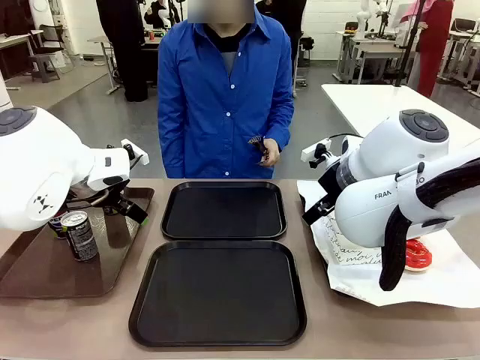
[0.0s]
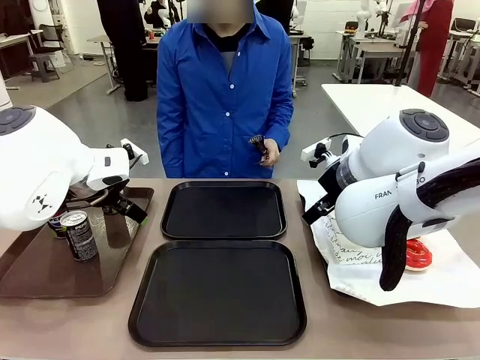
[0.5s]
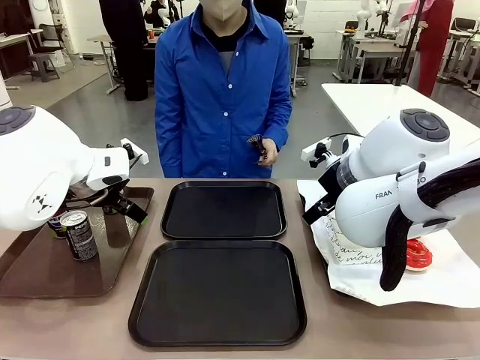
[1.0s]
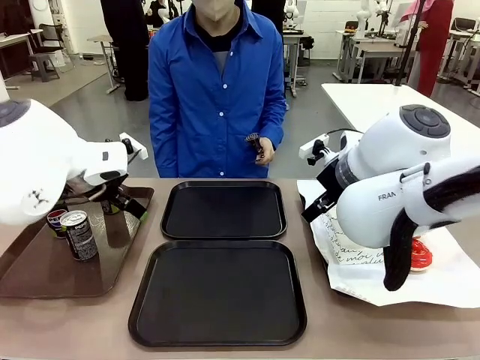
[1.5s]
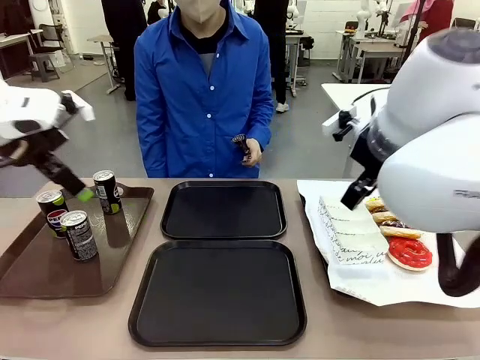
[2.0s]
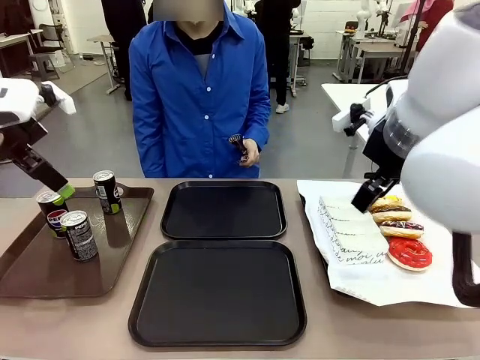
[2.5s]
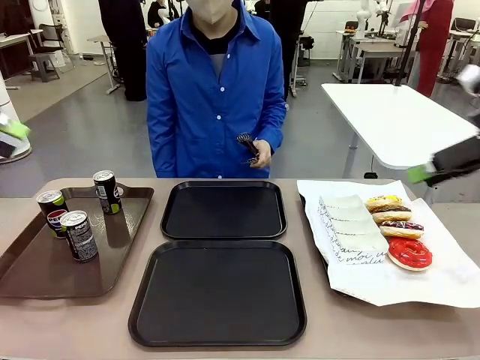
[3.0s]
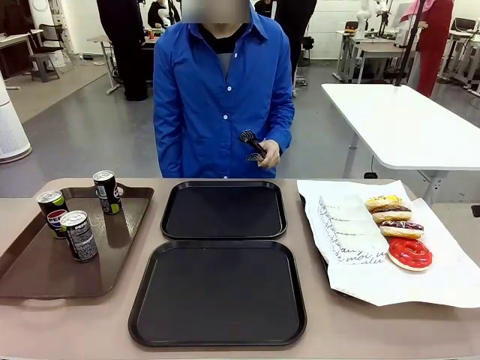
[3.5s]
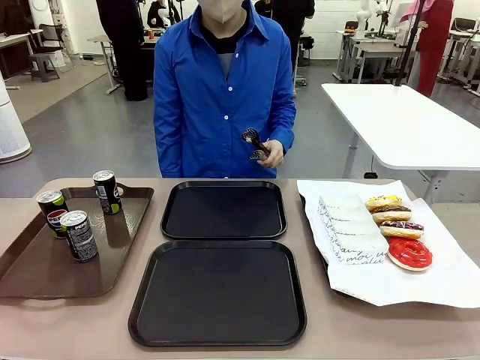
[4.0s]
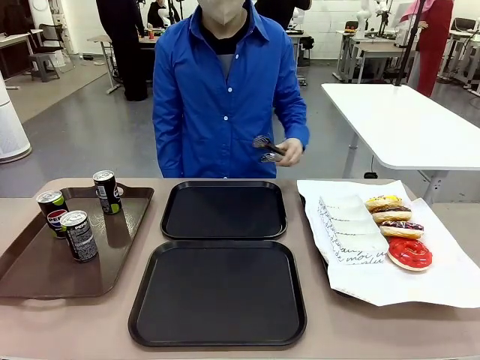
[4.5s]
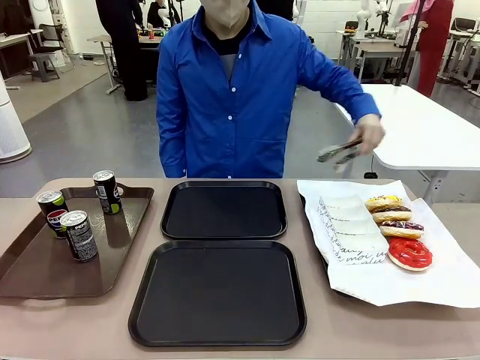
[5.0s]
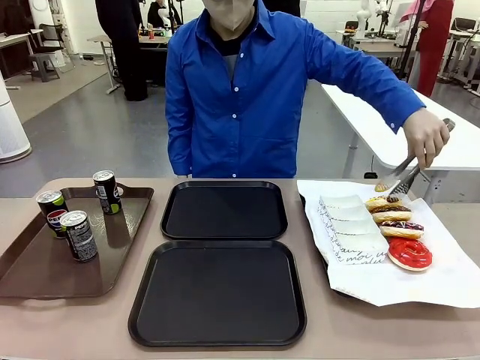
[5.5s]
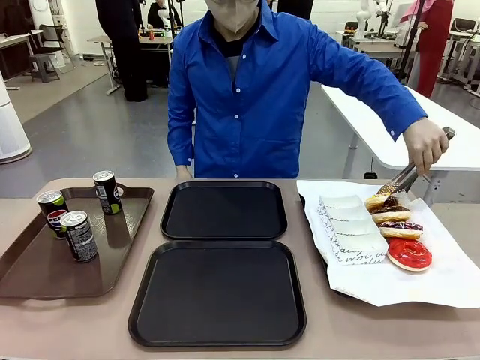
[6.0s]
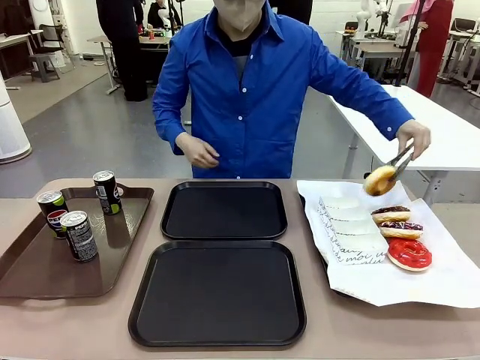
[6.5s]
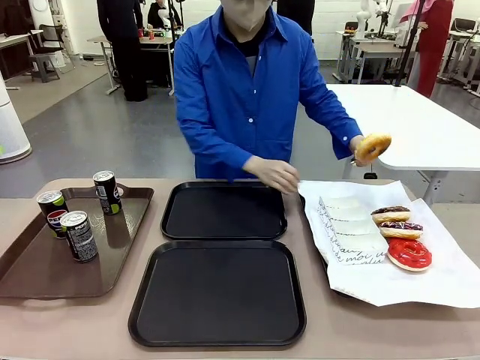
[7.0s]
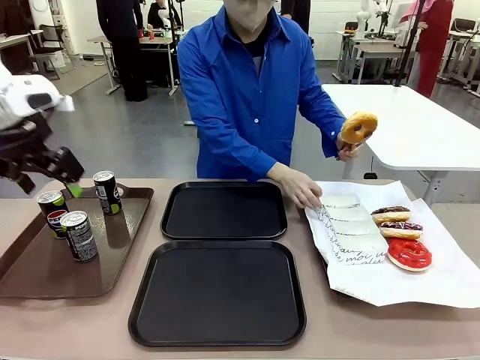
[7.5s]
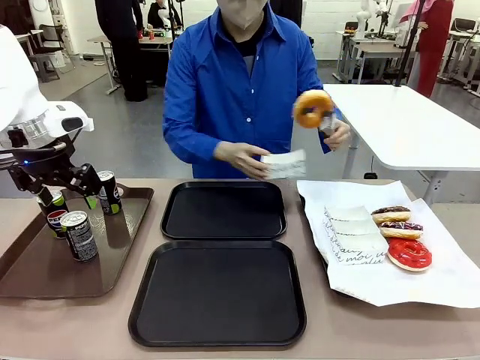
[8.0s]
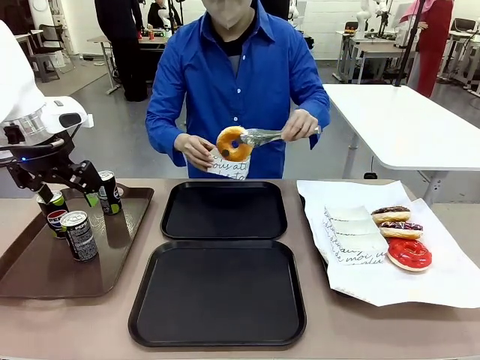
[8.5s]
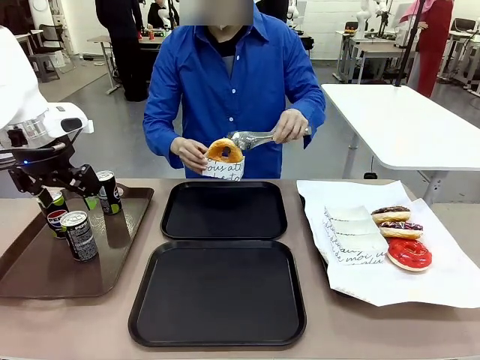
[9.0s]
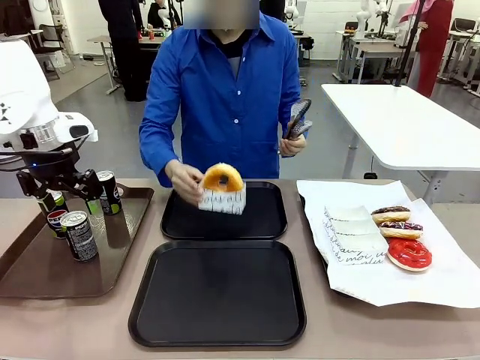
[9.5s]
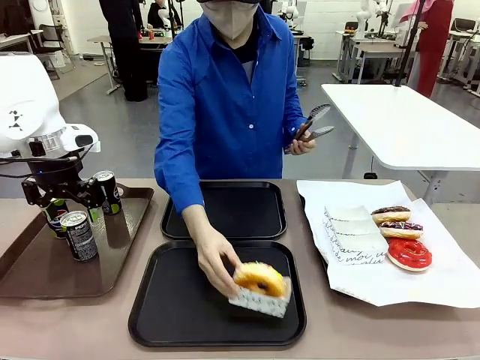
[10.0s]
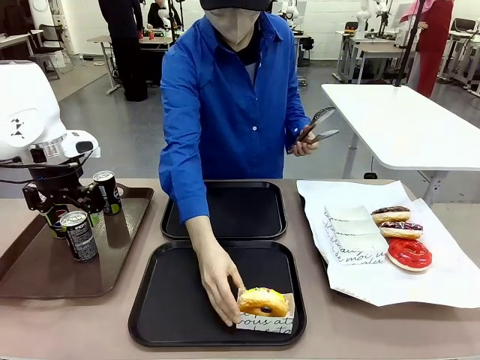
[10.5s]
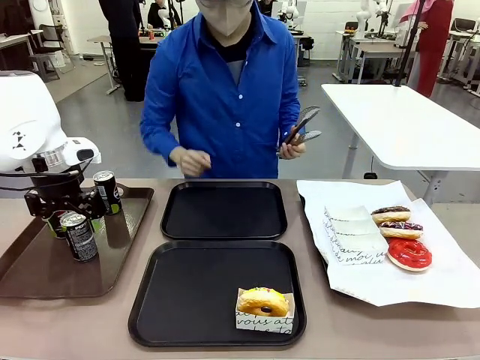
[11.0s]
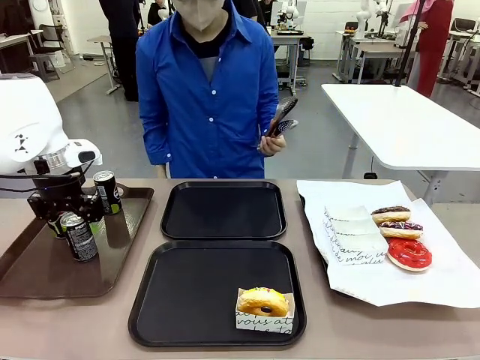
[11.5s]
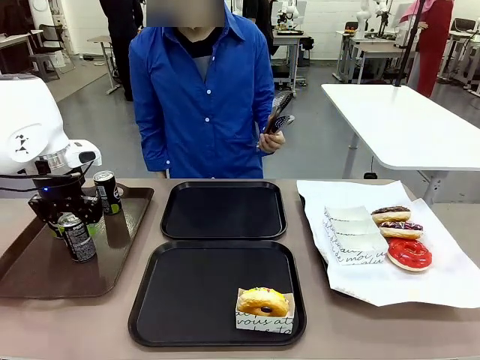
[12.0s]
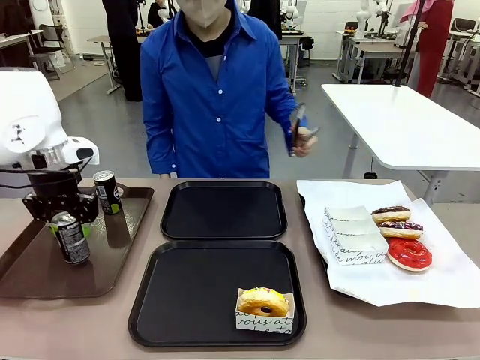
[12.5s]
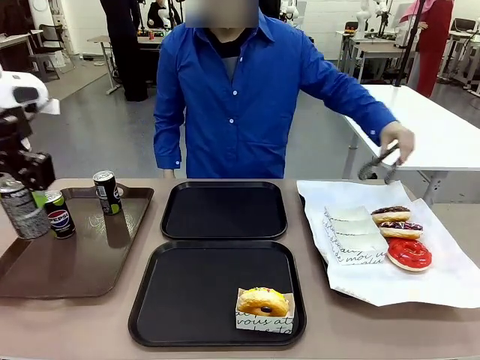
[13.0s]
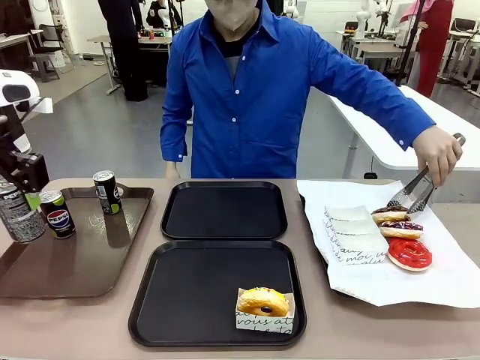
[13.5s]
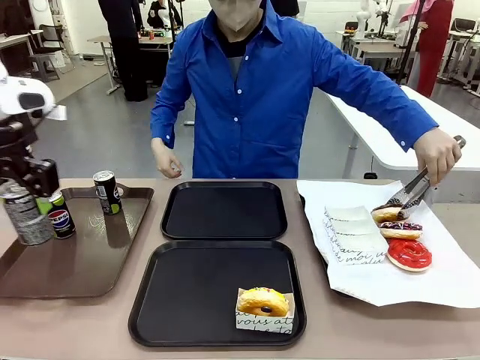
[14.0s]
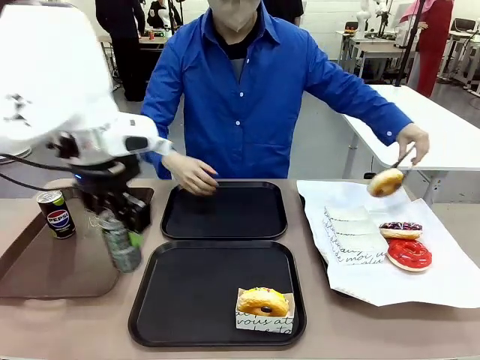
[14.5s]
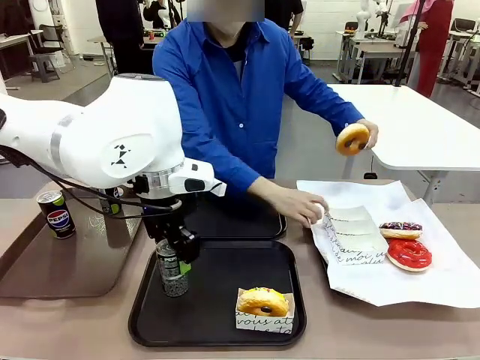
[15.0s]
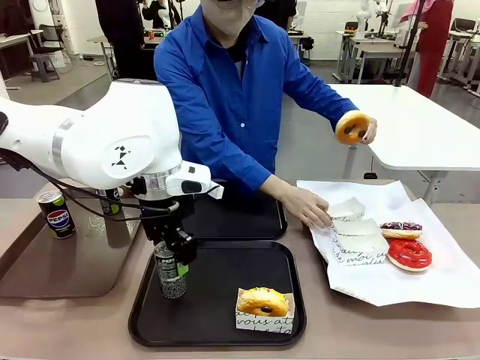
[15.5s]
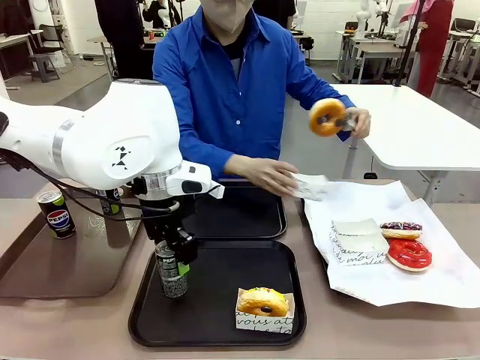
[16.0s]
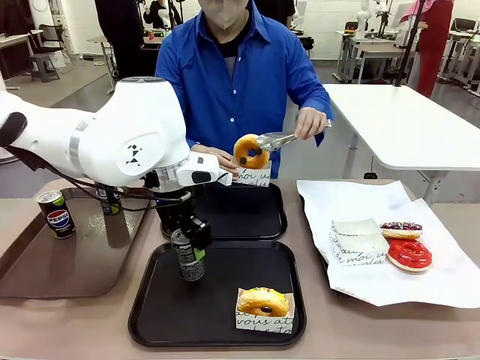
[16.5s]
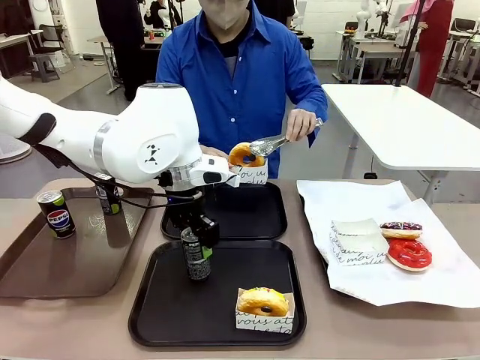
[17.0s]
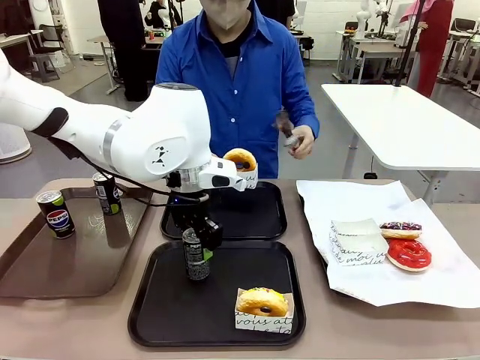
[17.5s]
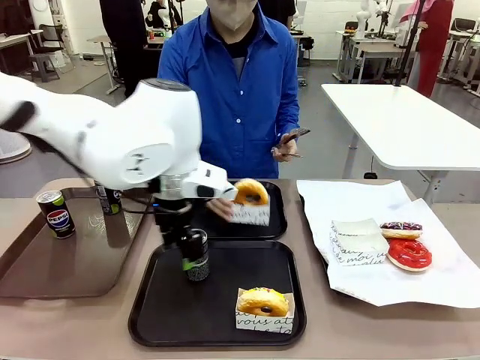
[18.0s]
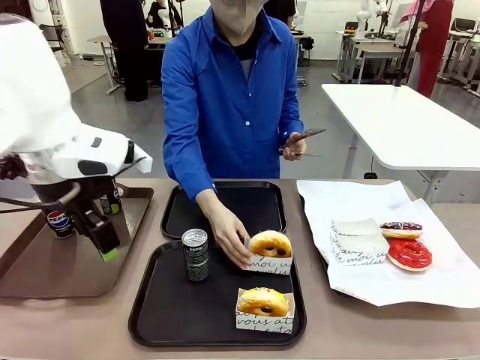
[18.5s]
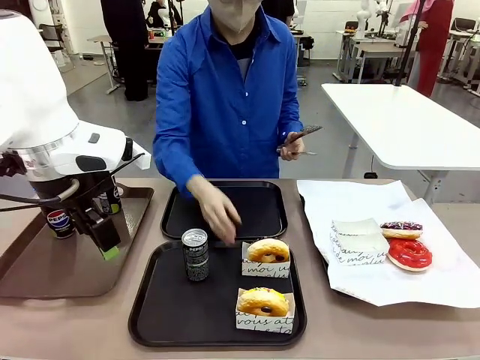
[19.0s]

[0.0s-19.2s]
Task: Set up donuts and drinks on trays.
Robot: Pick up one Pepsi coke and place it on the Flat Tray.
